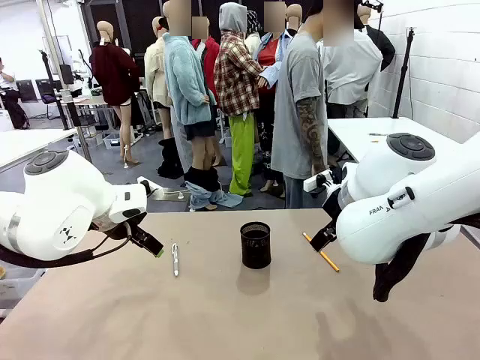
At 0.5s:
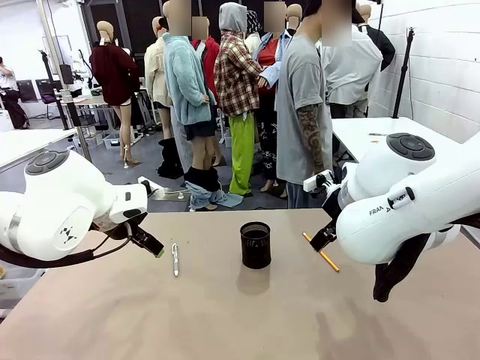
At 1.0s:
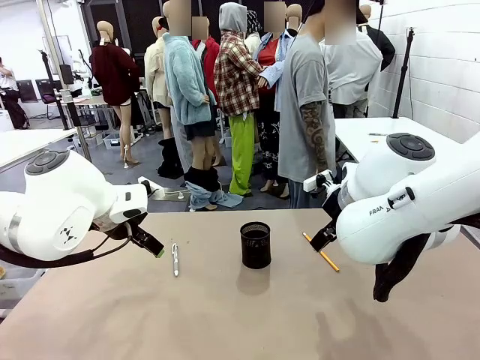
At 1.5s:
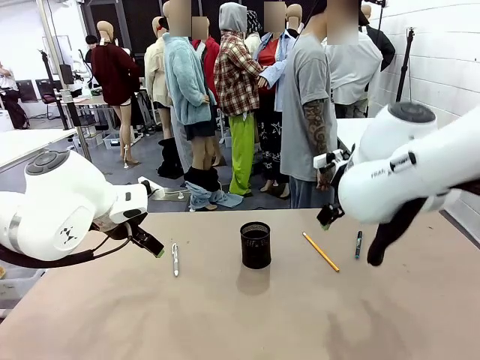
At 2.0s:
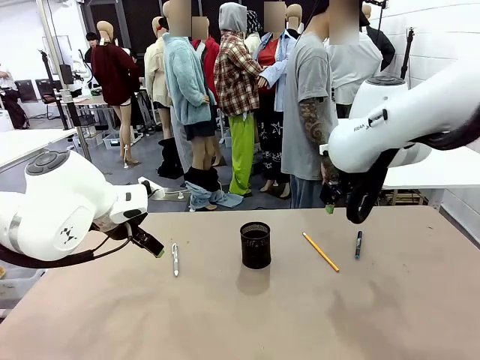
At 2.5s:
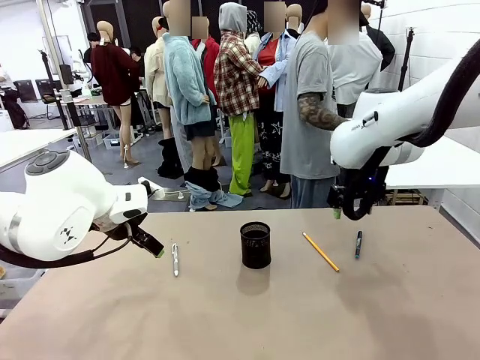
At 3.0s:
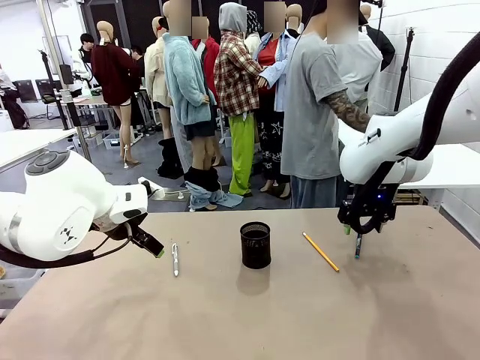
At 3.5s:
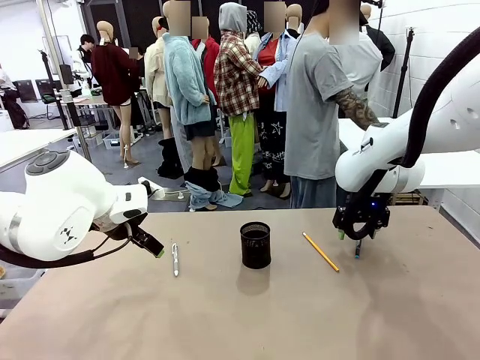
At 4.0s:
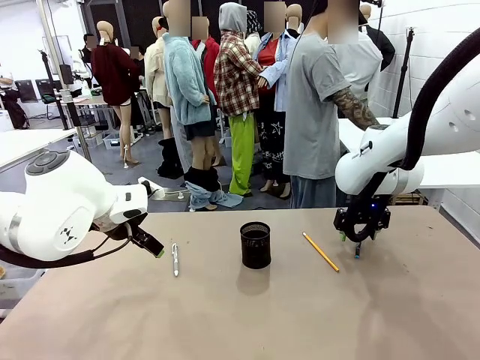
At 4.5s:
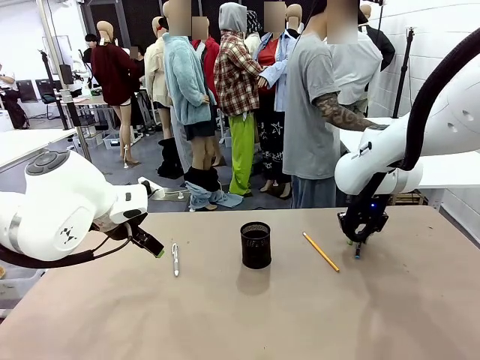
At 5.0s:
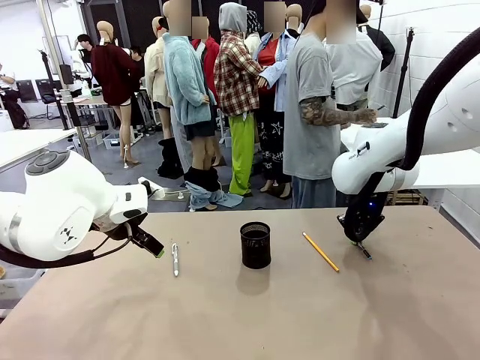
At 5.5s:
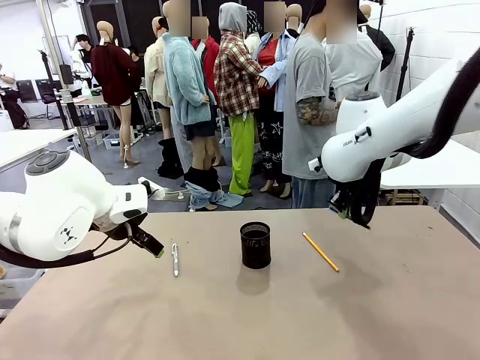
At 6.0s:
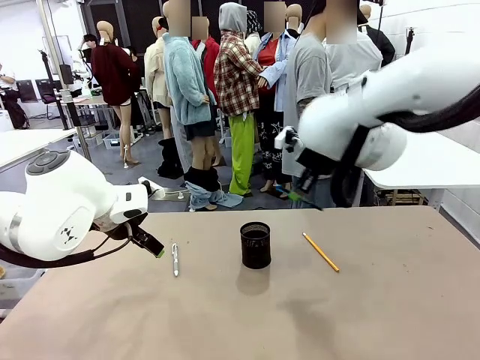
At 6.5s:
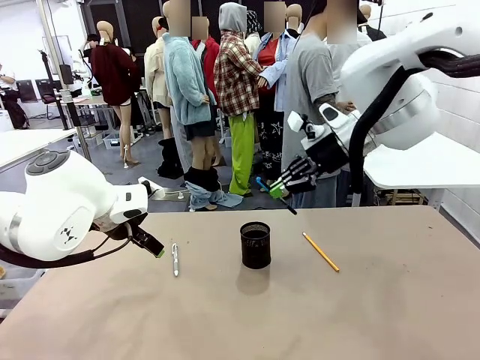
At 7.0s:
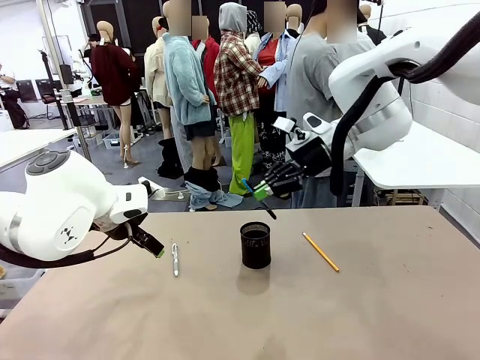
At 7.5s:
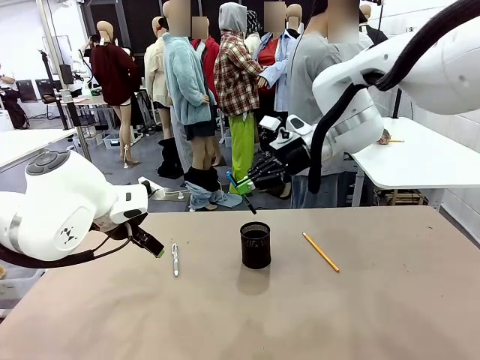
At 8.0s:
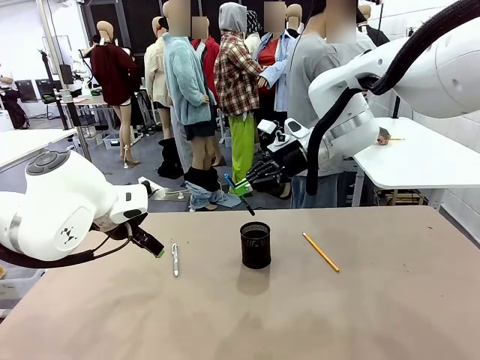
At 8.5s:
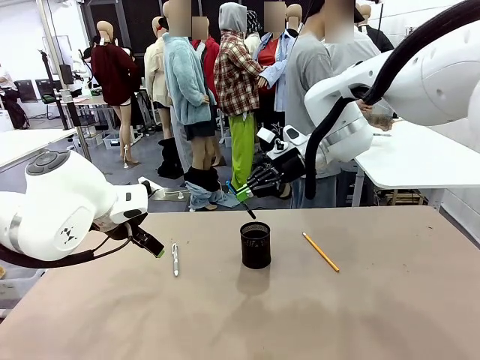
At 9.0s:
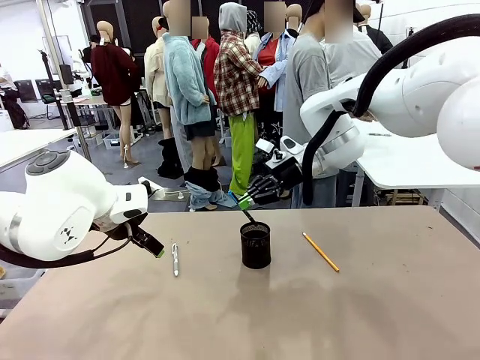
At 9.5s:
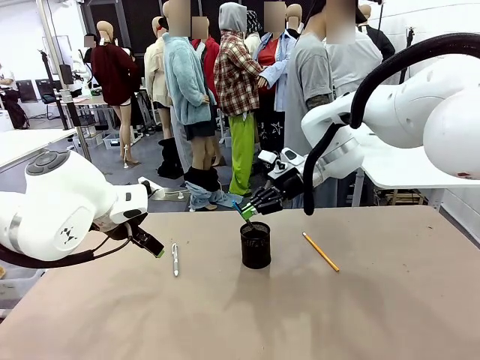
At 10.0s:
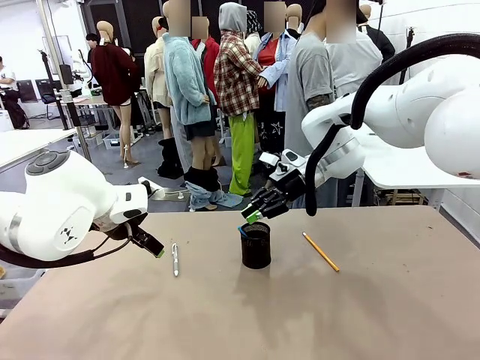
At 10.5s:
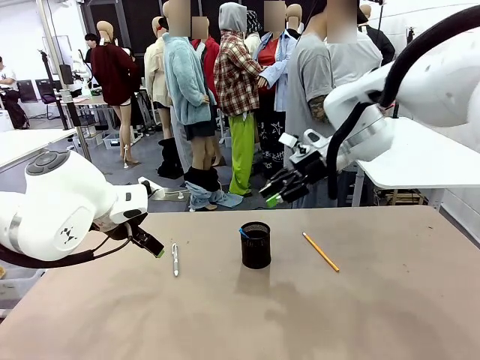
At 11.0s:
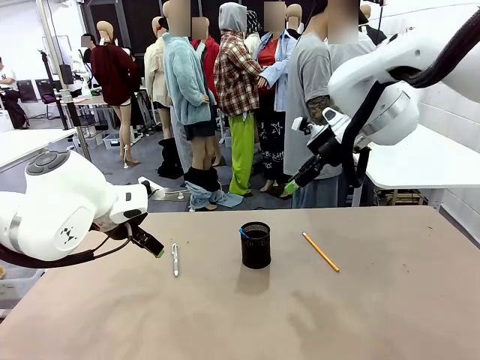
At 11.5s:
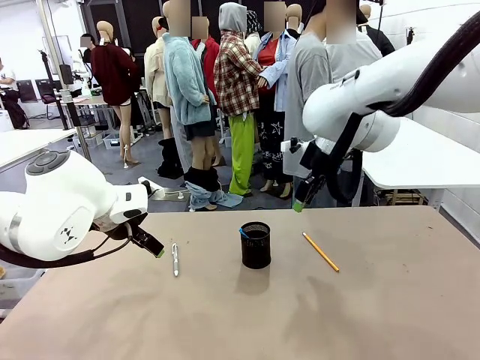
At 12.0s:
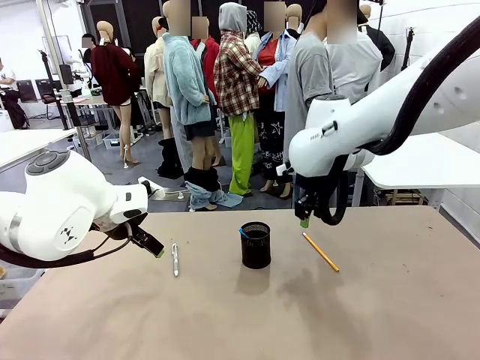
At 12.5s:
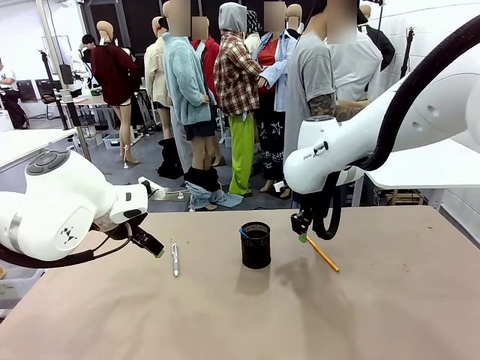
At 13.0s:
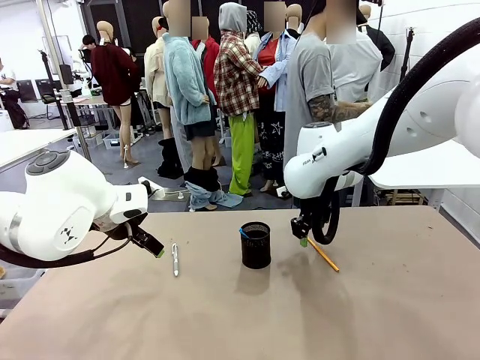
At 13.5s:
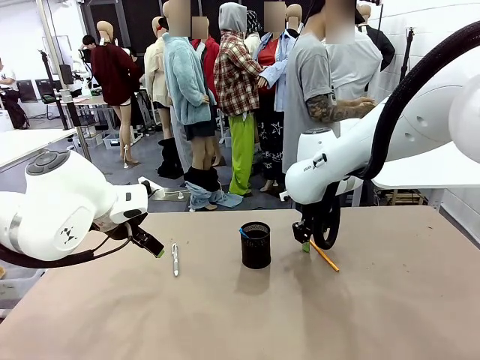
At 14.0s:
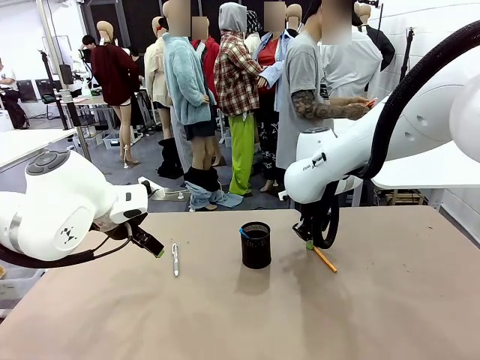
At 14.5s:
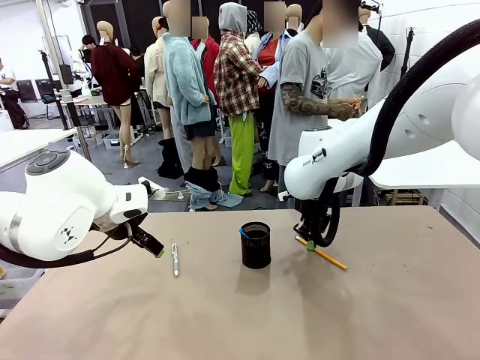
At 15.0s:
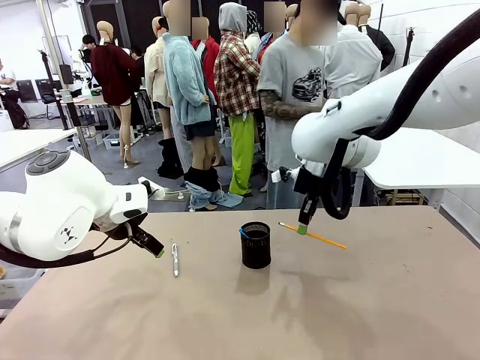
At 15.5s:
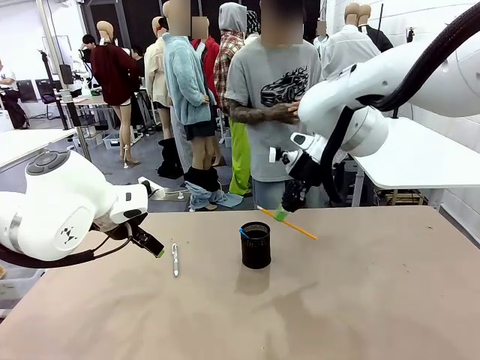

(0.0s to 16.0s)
Task: Place the pens into the pen holder.
Robot: Pick up a writing instrument from the table and place it into the Pen holder.
Person: Pick up all writing instruments from the Human table.

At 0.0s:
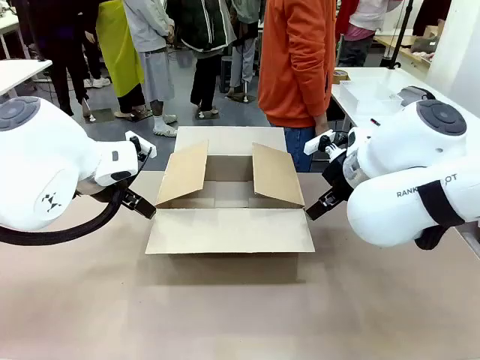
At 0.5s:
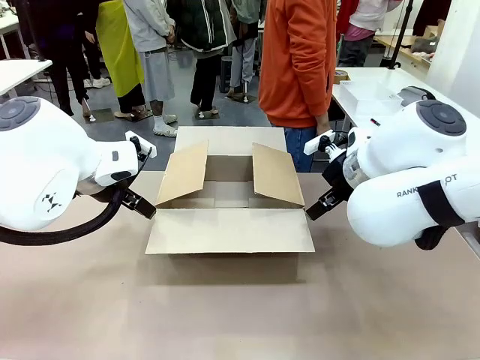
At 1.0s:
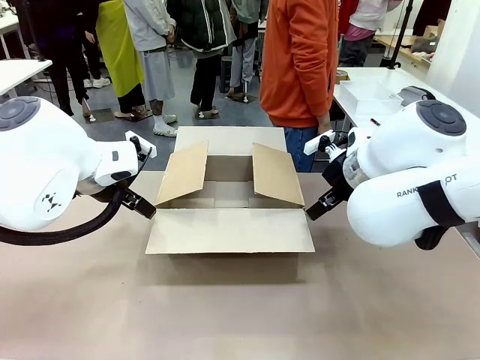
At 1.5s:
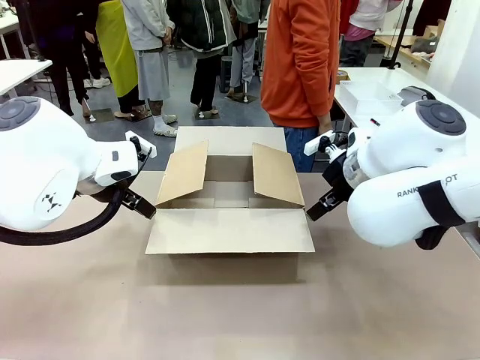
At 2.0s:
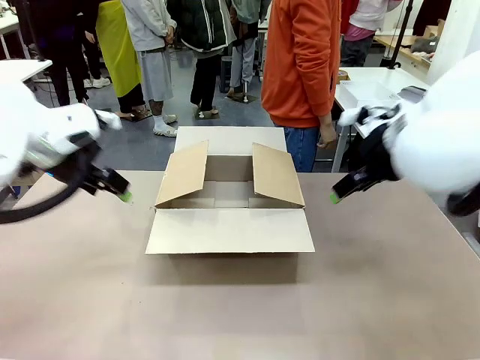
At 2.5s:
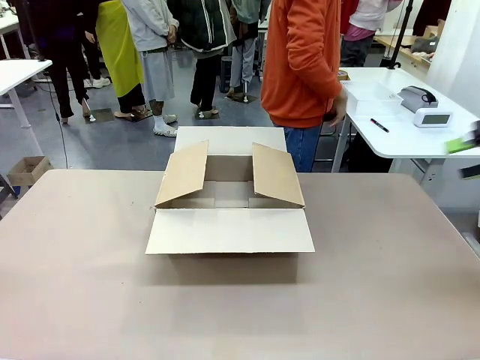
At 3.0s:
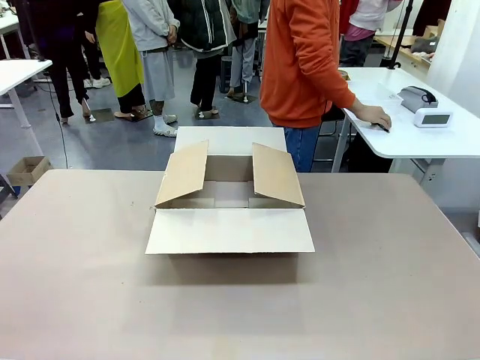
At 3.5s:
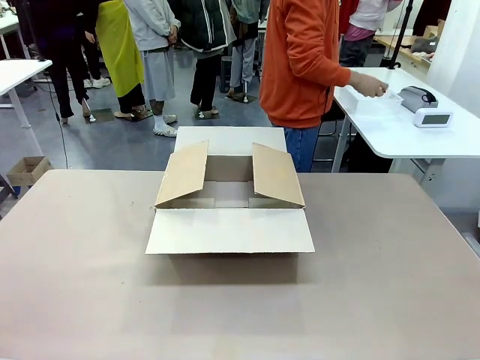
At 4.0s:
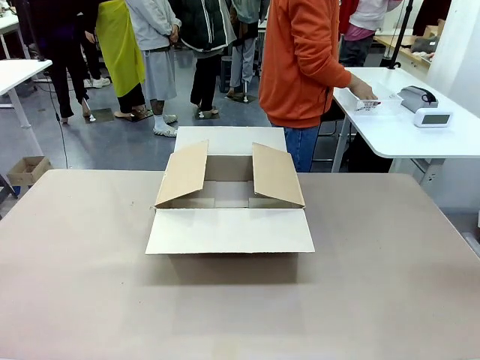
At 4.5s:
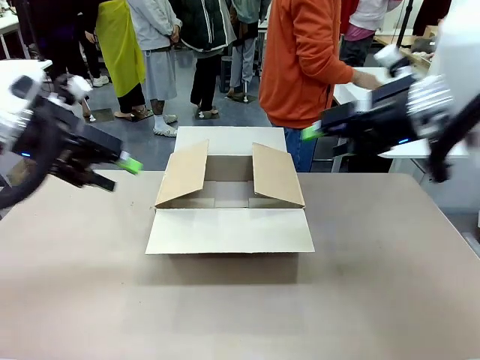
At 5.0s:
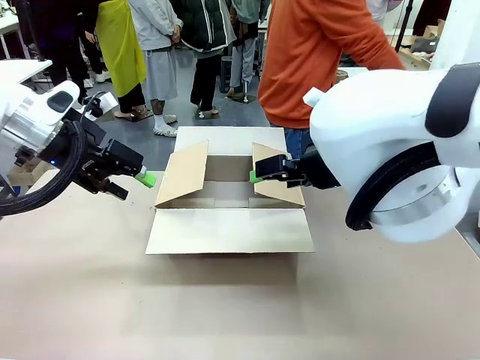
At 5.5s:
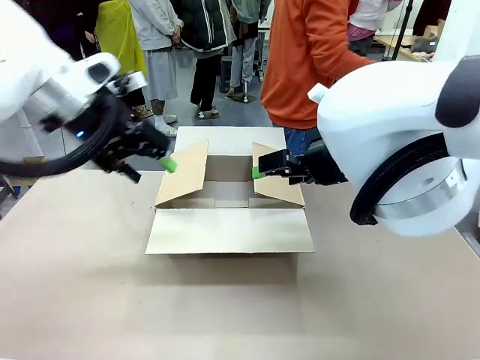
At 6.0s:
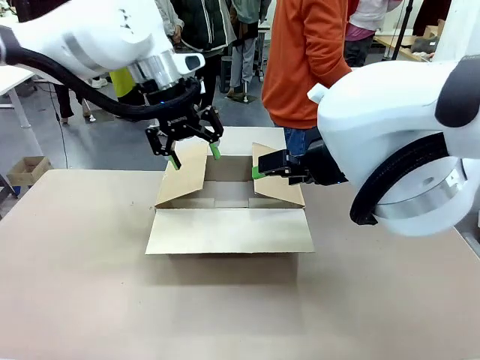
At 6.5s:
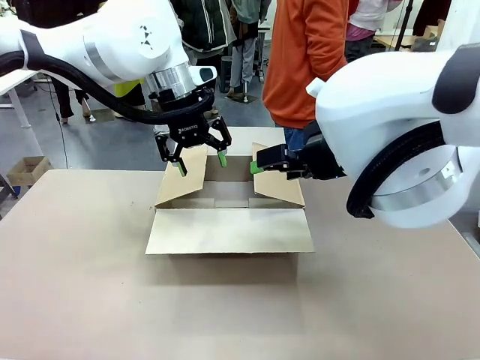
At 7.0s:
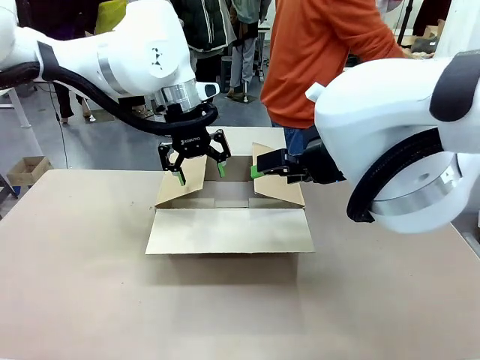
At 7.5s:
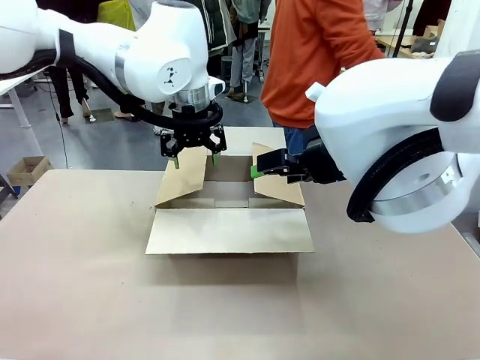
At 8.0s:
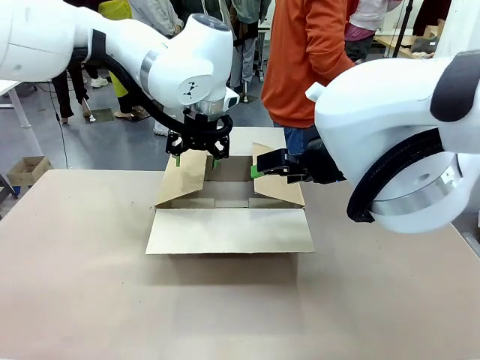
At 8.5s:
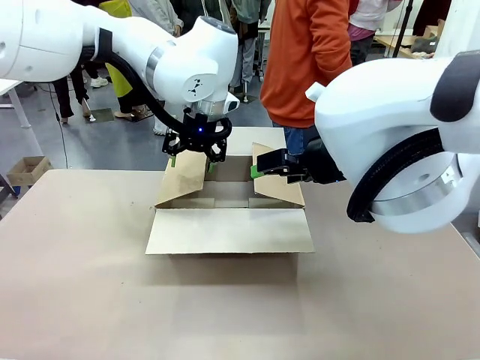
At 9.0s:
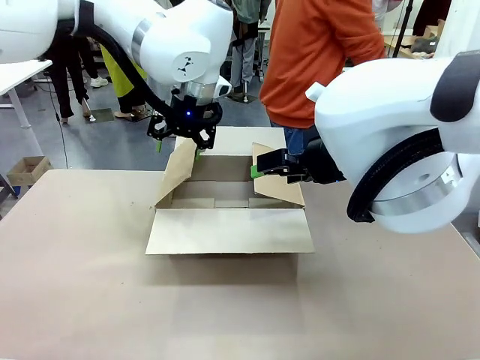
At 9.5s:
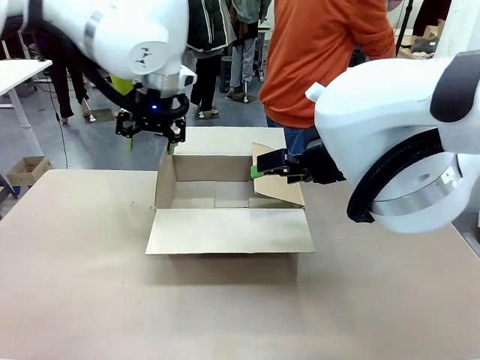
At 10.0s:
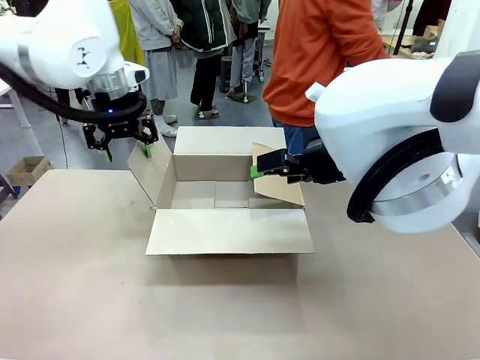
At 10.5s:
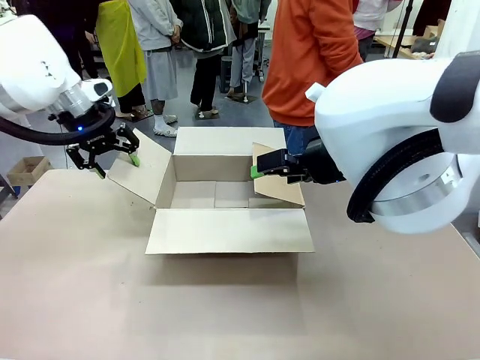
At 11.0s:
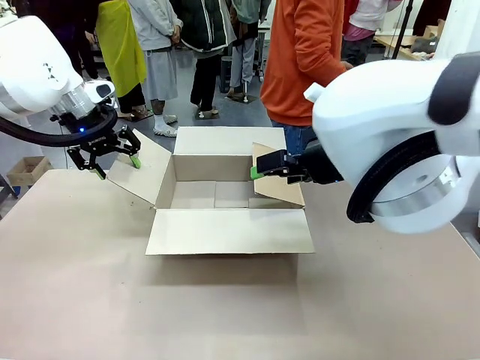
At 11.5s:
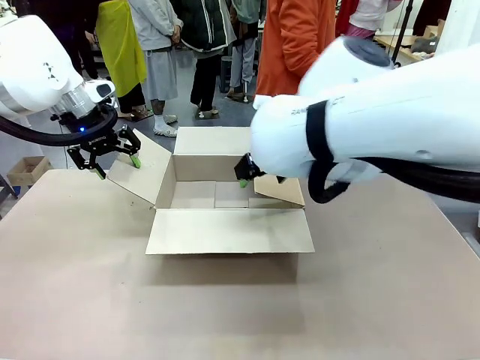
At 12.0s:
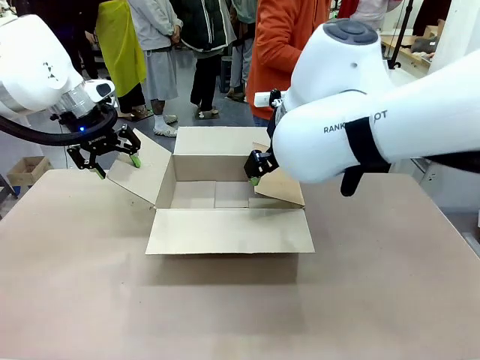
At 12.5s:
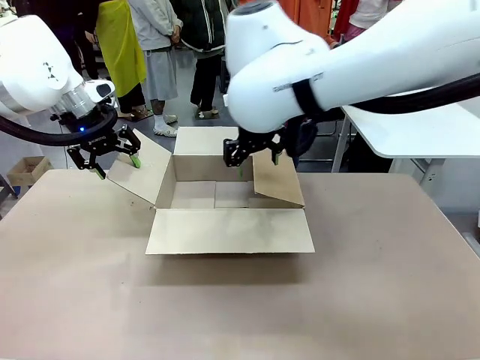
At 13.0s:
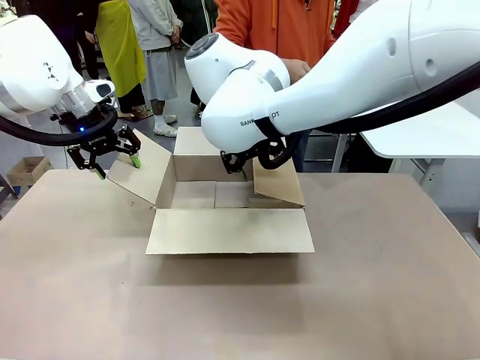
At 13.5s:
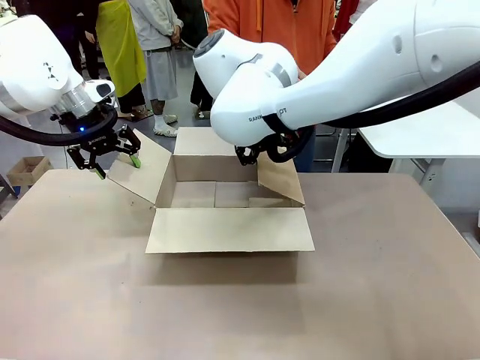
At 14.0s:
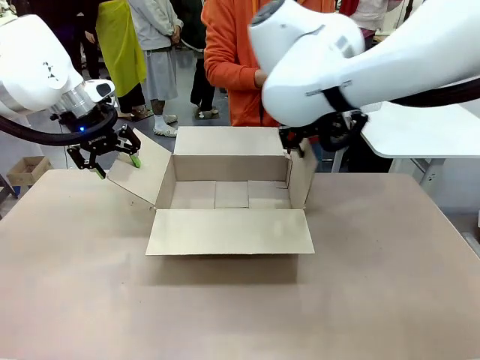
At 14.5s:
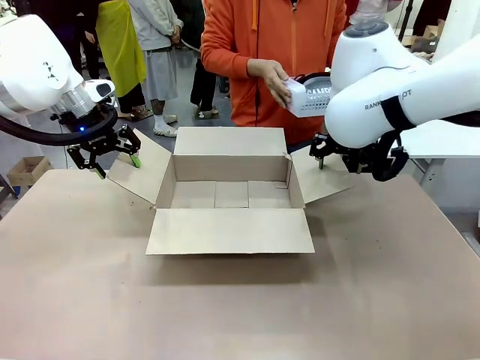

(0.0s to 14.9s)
Task: Pack the gift set into the box.
Robot: Place both hands on the side flaps of the Package Box and spread them outward.
Person: The human places all items except the paper tape into the organizing basket.
